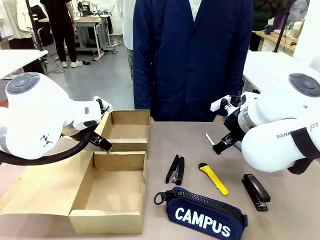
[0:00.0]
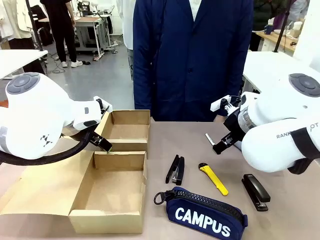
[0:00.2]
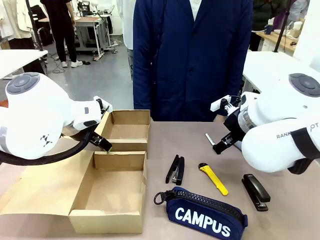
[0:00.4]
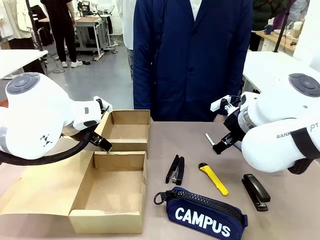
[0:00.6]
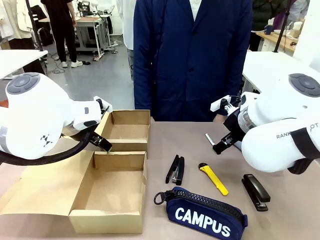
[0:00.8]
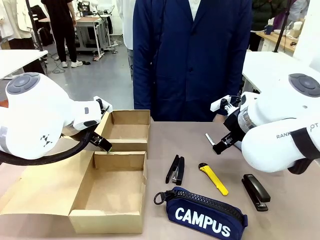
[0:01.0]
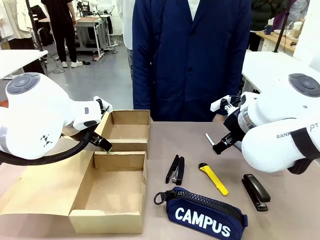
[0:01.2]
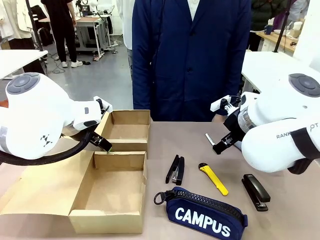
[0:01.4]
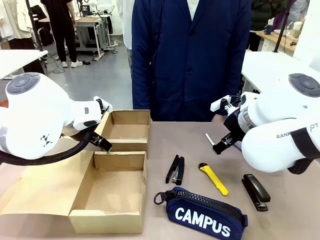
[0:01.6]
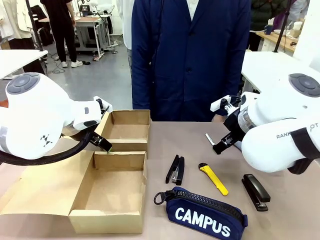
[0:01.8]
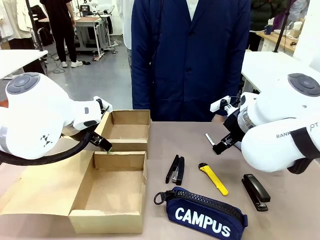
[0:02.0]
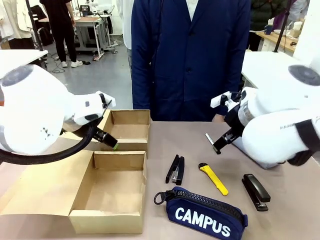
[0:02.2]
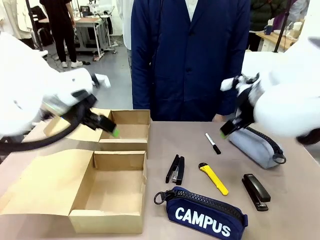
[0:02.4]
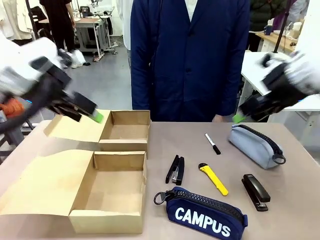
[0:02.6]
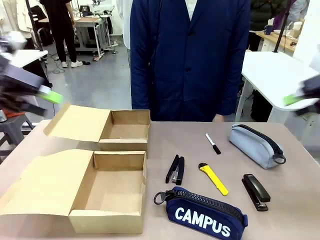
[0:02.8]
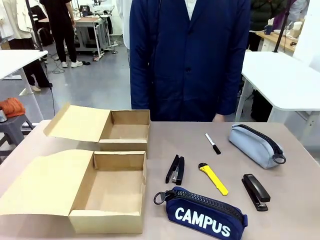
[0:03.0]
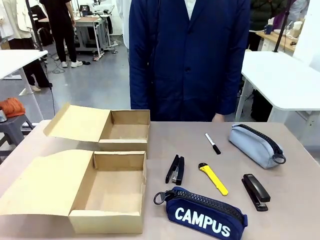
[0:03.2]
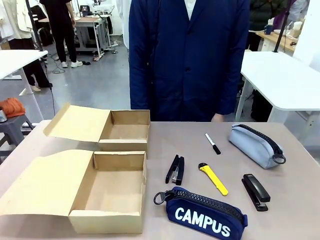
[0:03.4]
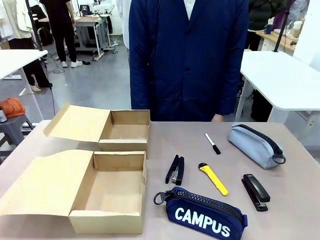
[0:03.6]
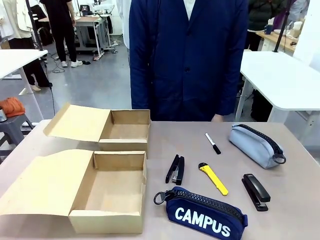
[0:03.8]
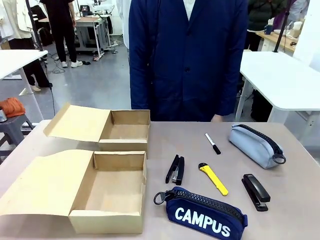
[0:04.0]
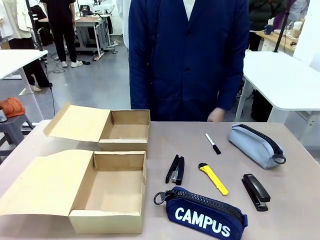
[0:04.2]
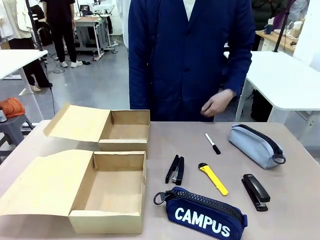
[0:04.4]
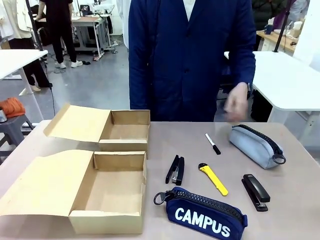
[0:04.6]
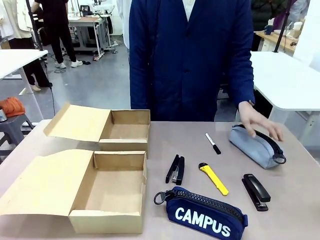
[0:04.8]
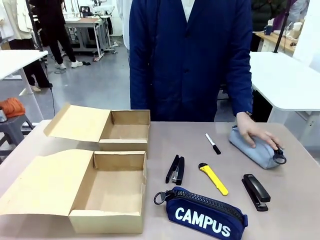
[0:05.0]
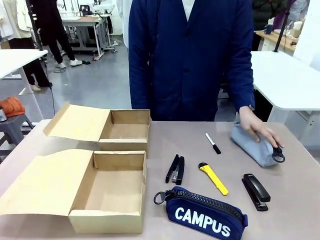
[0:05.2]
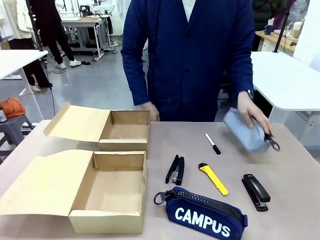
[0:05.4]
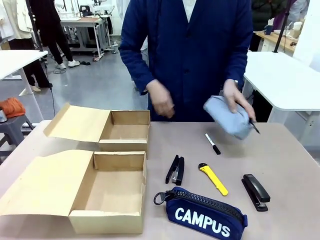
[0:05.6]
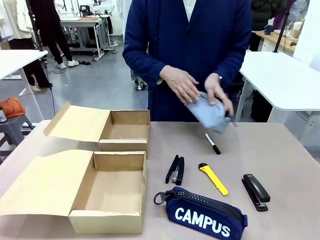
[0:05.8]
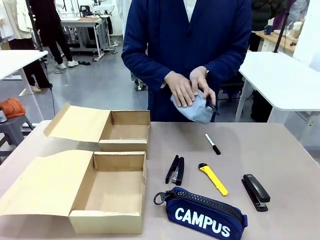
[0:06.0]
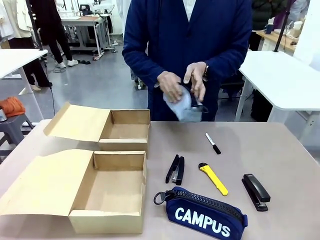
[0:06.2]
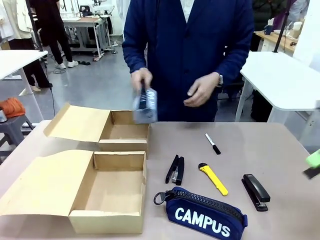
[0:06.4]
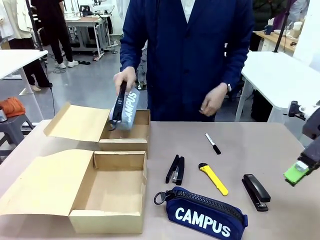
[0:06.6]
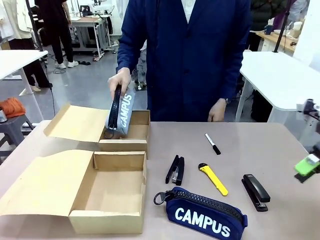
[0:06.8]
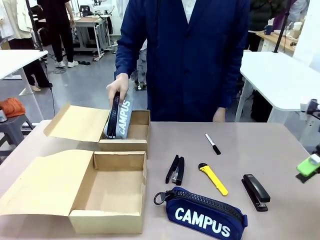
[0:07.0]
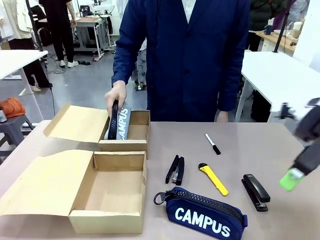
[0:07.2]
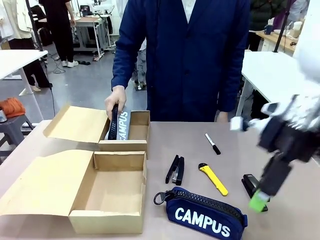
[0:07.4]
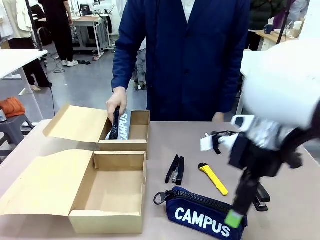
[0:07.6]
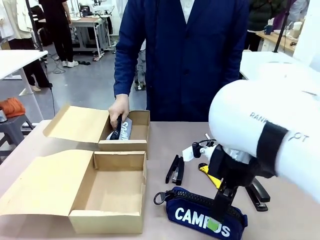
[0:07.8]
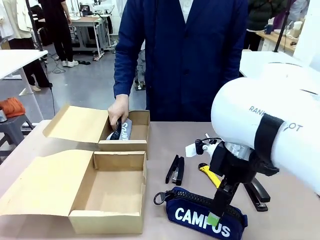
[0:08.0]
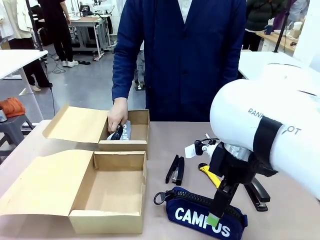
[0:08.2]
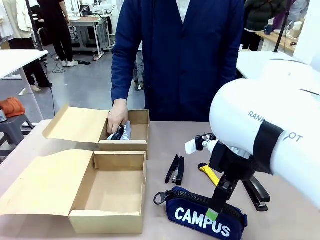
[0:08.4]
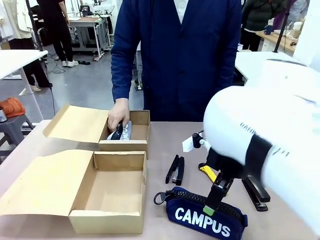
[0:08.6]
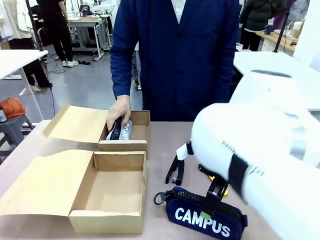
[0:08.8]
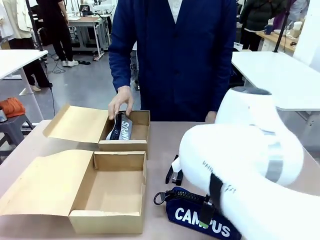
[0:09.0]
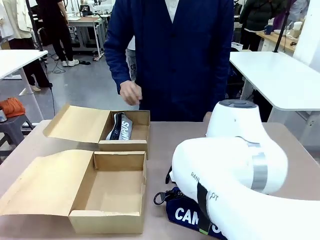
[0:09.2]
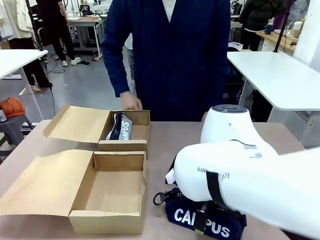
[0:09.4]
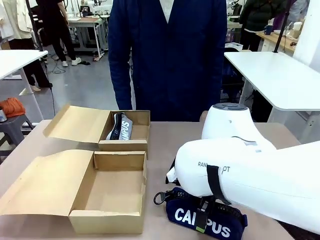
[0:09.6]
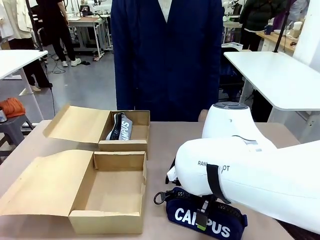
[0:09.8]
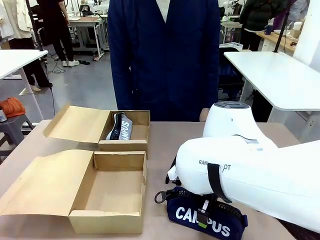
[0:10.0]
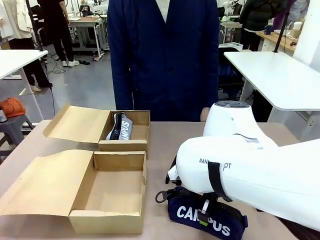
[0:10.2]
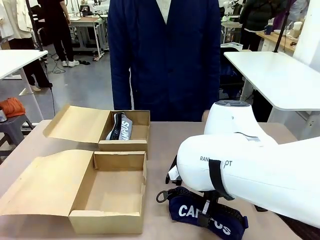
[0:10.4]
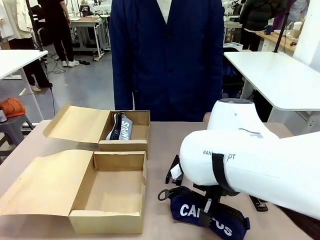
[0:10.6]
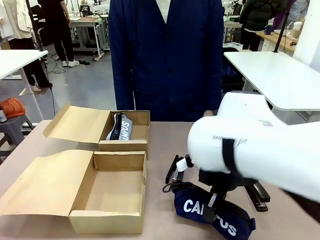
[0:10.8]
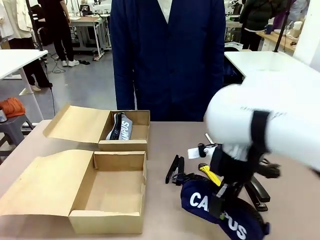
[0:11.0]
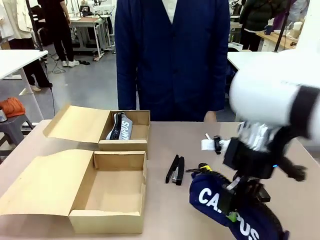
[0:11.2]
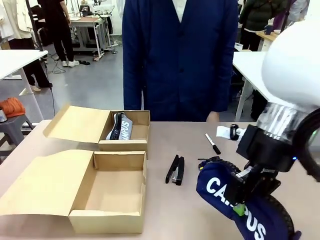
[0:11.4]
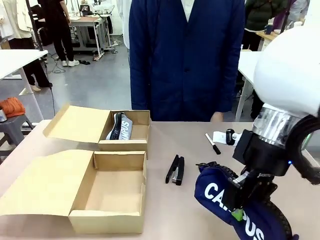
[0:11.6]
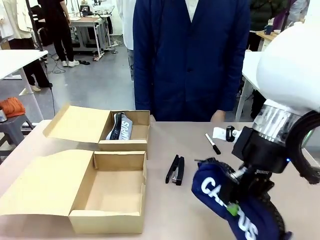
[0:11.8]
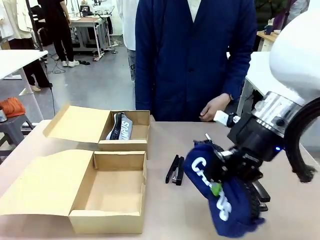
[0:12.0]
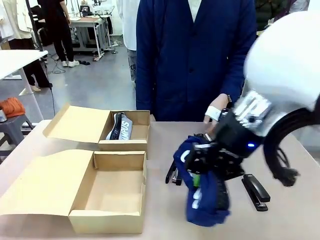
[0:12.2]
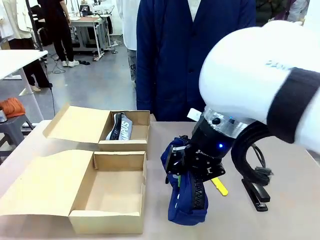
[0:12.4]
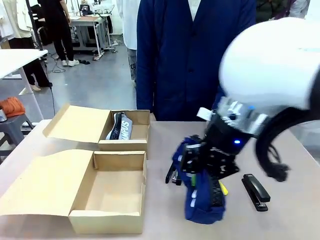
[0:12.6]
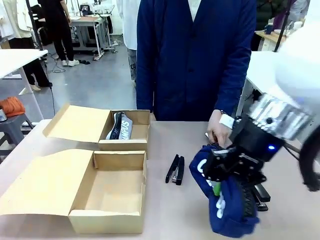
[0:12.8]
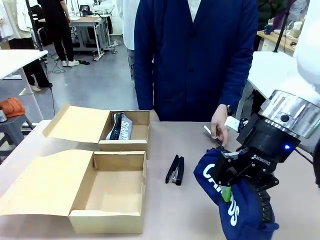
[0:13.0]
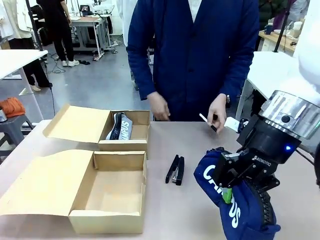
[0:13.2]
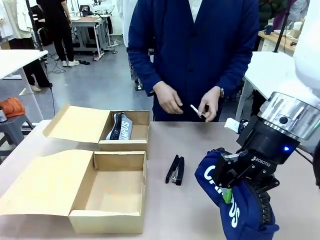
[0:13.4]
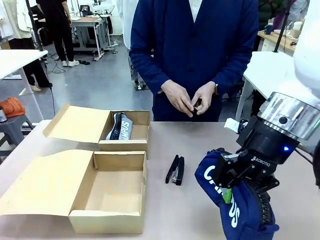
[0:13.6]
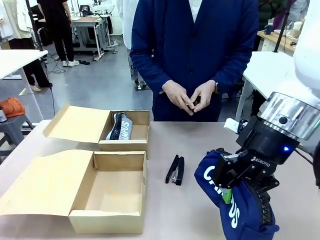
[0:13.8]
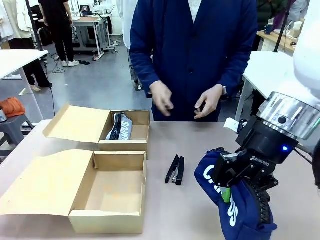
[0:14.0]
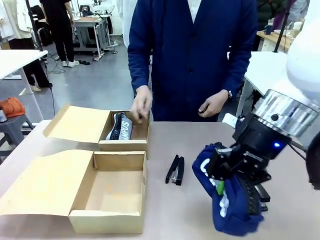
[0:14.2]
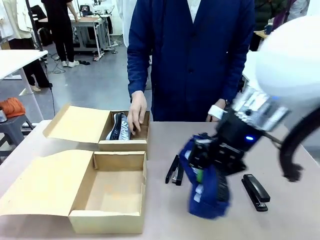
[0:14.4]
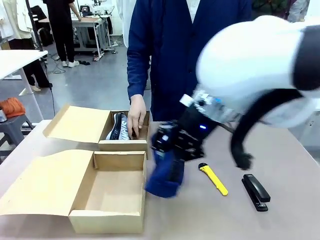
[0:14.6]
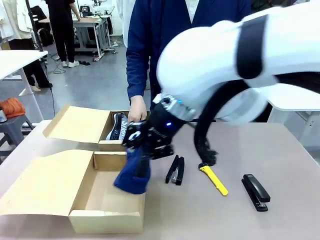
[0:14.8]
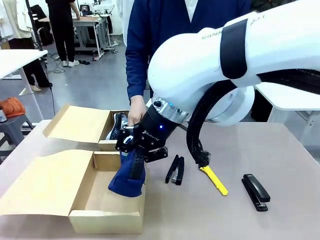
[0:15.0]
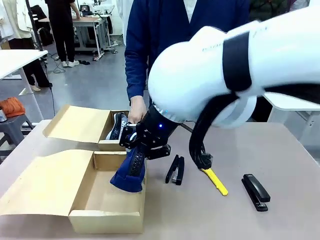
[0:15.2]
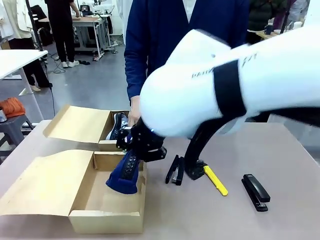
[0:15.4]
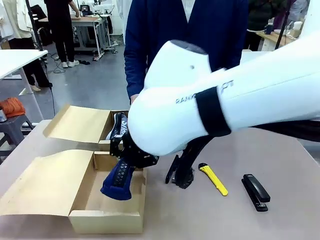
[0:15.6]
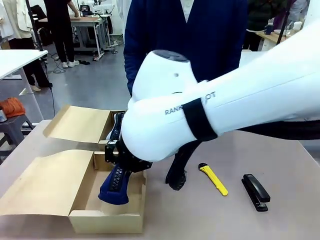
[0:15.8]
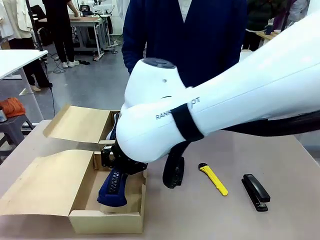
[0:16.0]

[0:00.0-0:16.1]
Task: Place items inside the box.
Robot: Pick up a Pencil pouch or Stapler and place it inside the Mailer Box closest to the robot.
Person: Pick up an object on the table and put it in the box.
